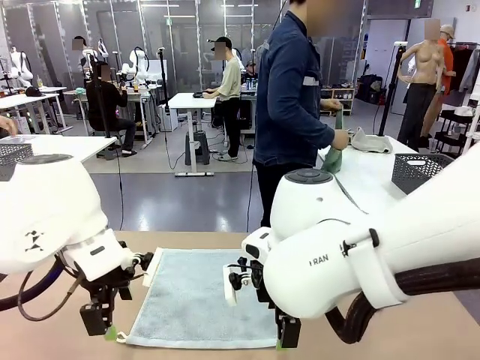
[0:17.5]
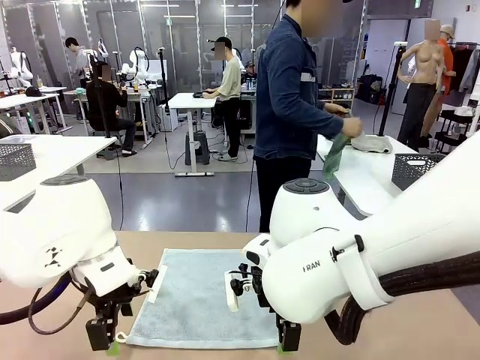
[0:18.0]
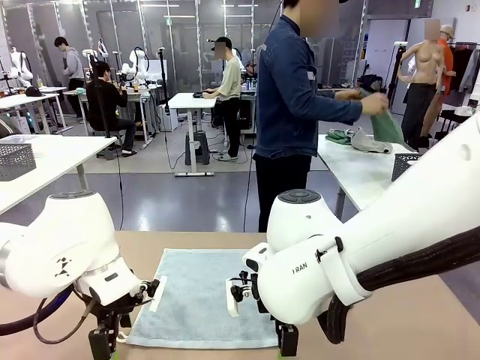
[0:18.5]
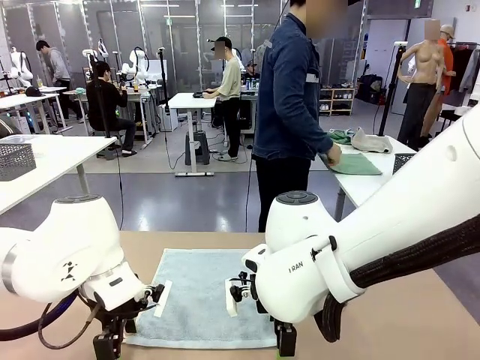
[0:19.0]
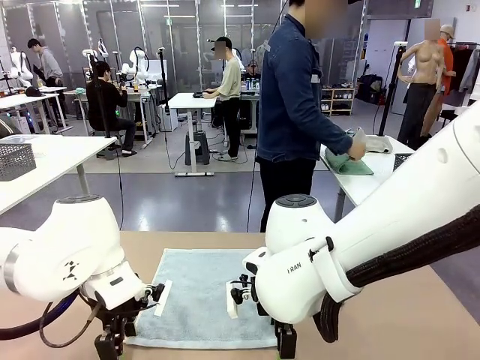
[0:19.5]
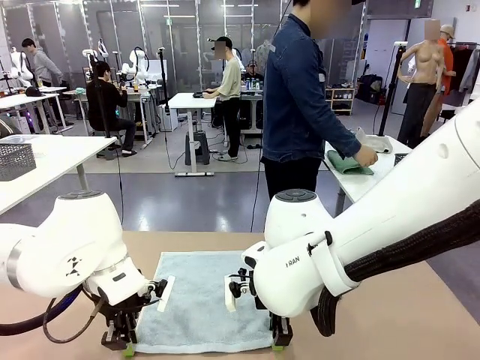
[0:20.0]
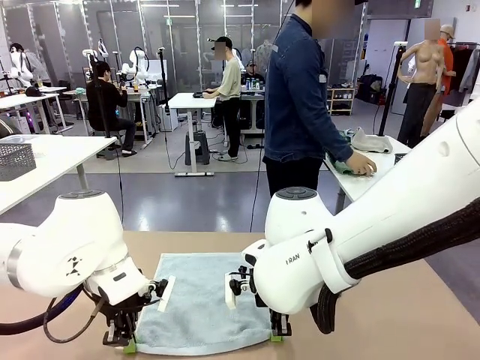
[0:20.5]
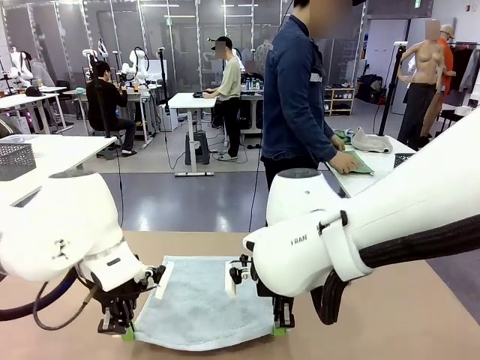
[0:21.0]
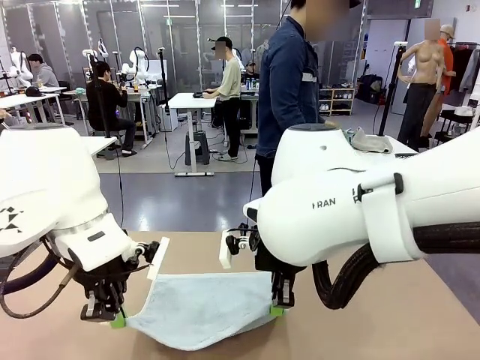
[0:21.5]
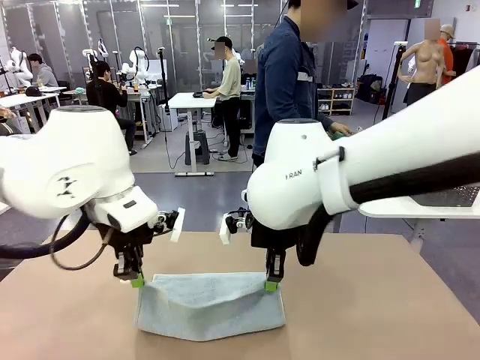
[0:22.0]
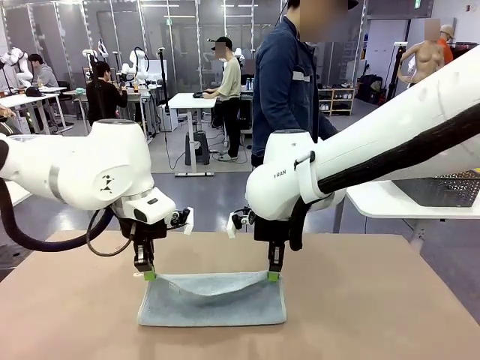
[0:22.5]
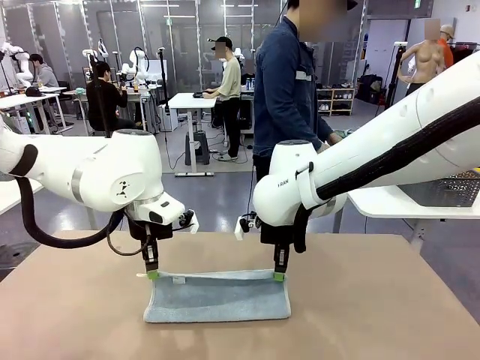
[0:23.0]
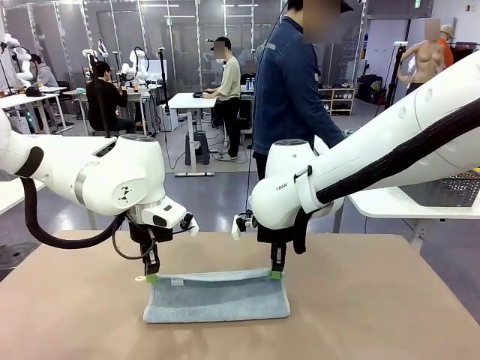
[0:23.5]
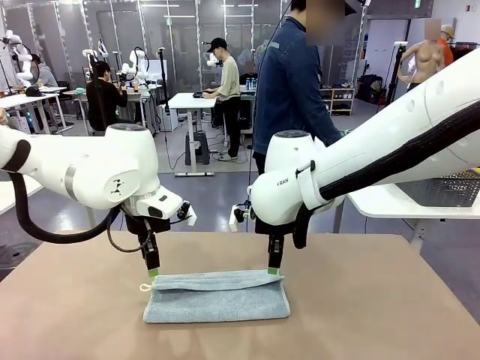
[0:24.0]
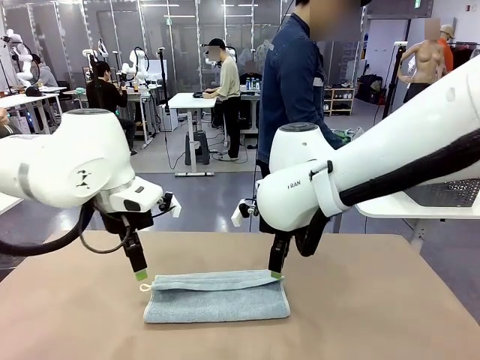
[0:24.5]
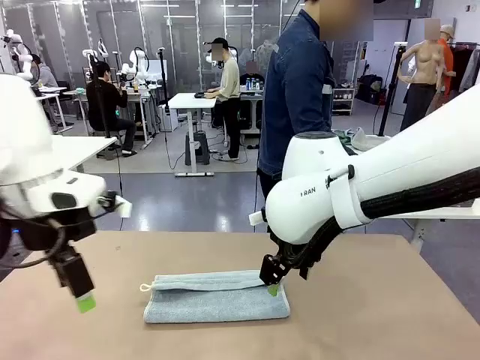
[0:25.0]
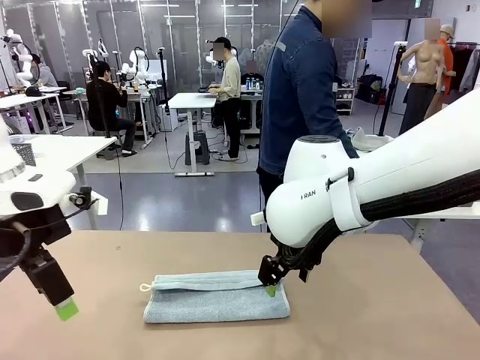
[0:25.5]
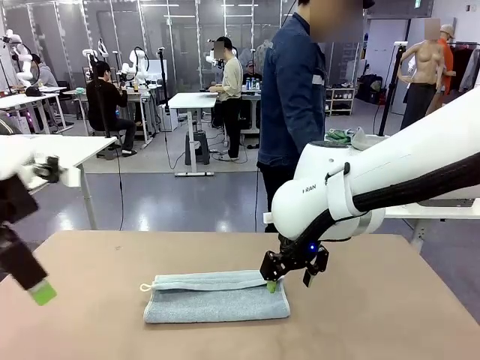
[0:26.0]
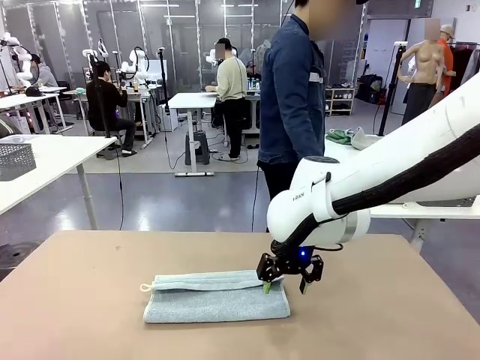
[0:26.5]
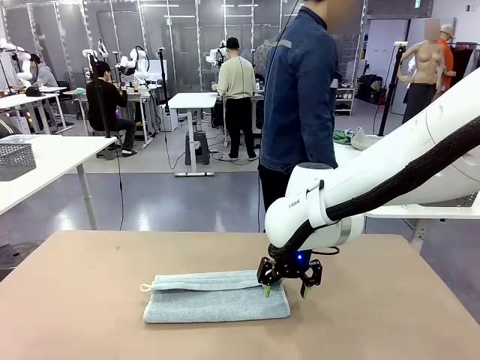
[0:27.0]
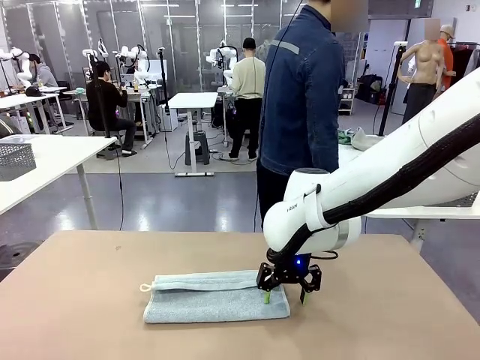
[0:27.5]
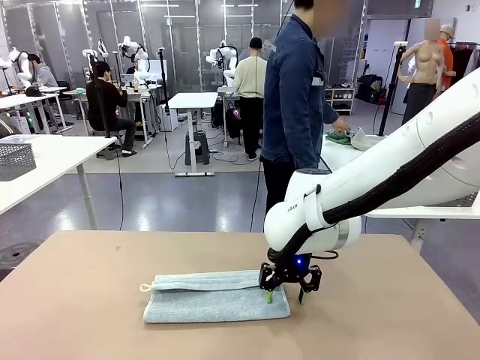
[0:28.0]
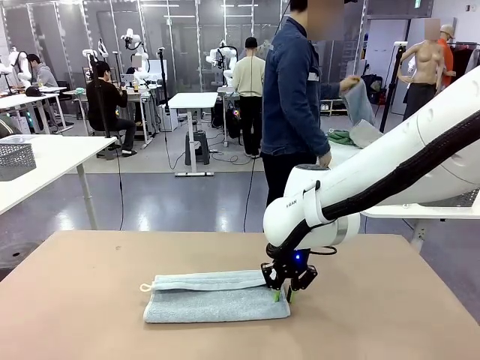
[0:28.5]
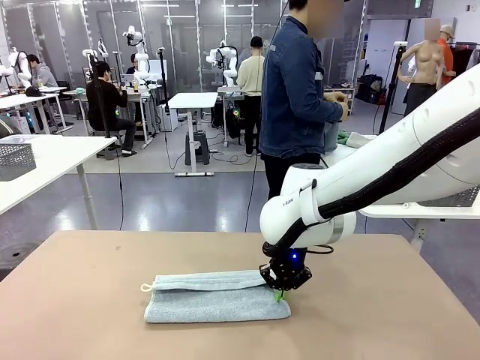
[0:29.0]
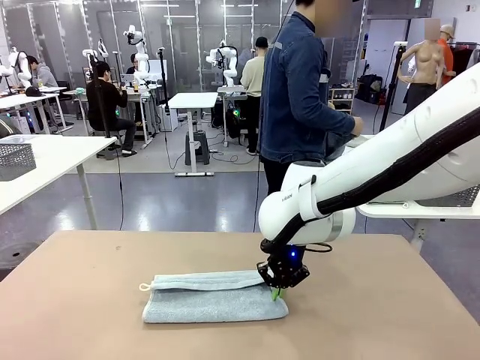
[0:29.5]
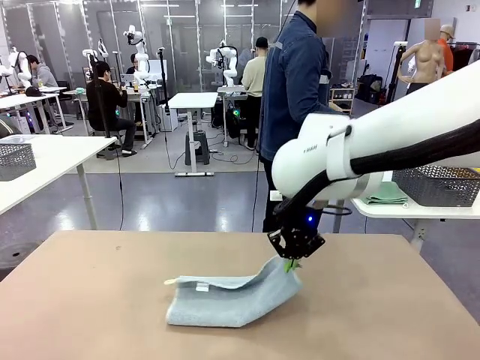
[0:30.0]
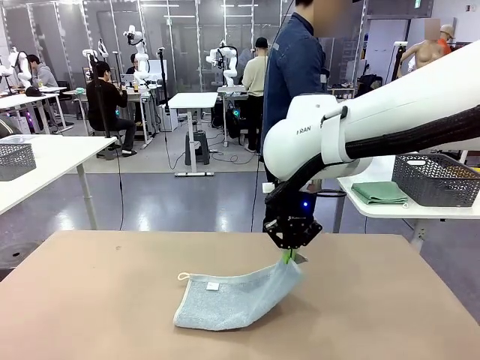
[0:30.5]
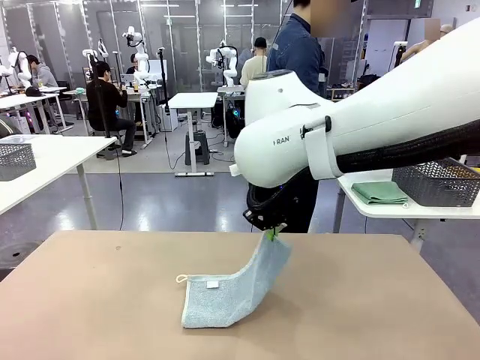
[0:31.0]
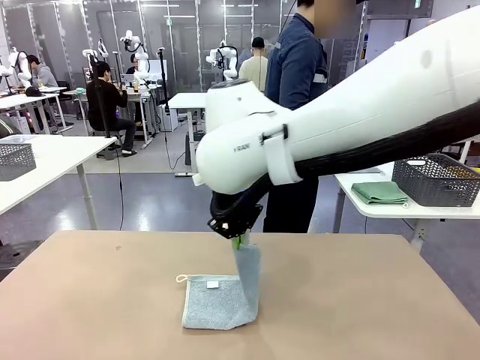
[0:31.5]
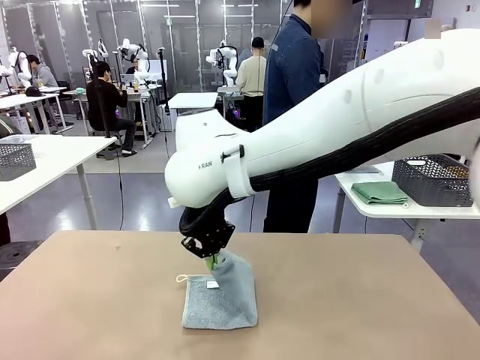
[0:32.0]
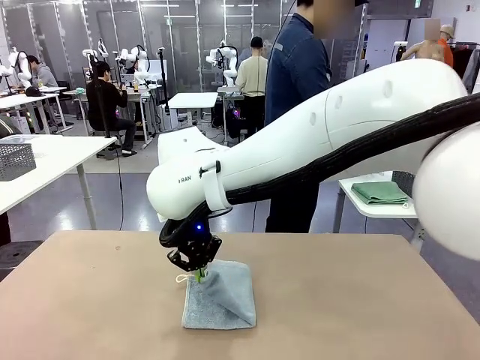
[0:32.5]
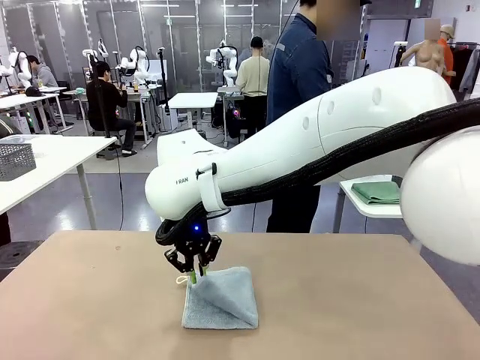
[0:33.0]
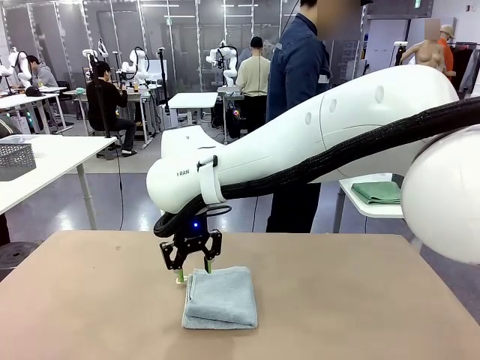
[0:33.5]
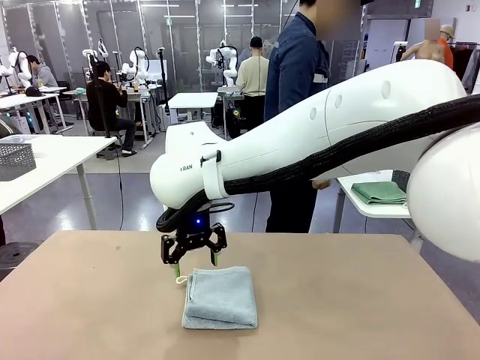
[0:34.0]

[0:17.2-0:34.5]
Task: Fold the towels and place them in the basket.
Robot: When a person lays out a Towel with hook on the table, fold it in half twice.
Person: Pick up one towel from the left side of the human table, fold it in half twice, and place it on the right side of the table. Pick up one towel from the left side of the human table, fold it in half twice, and stack it on the right side of the table.

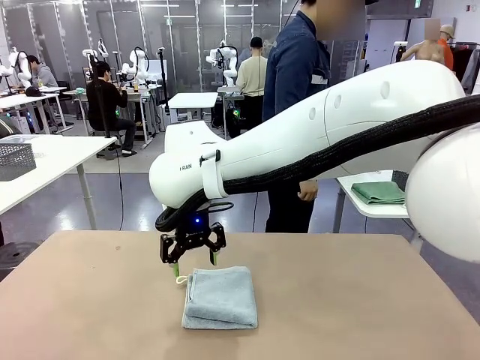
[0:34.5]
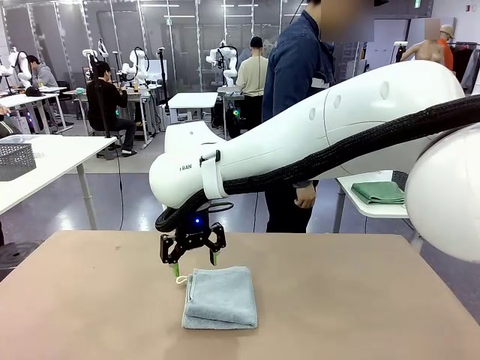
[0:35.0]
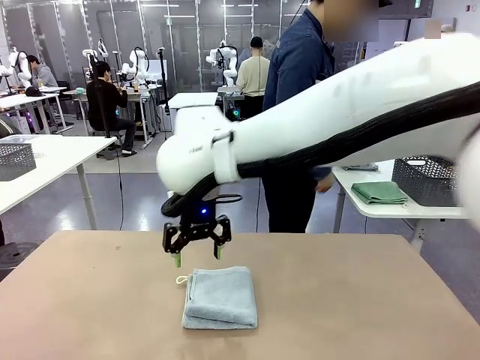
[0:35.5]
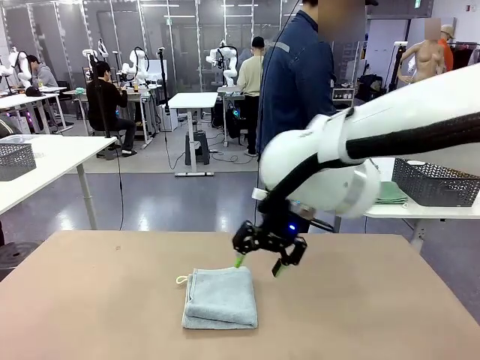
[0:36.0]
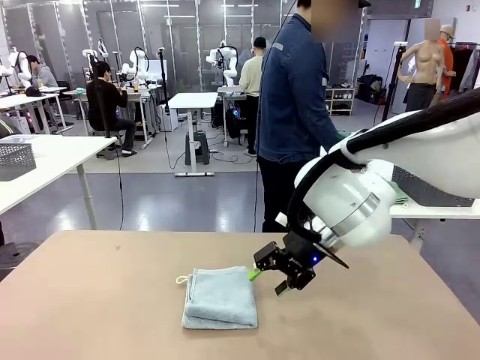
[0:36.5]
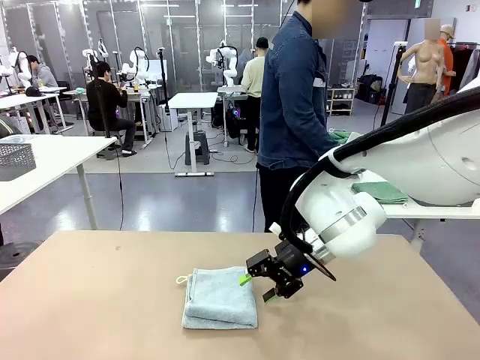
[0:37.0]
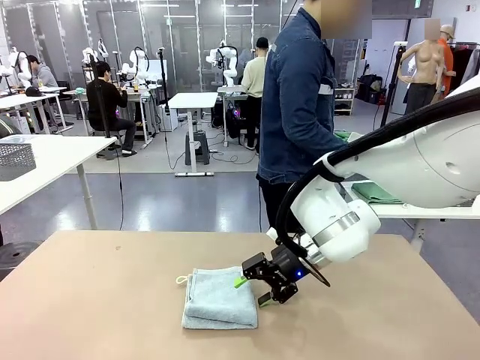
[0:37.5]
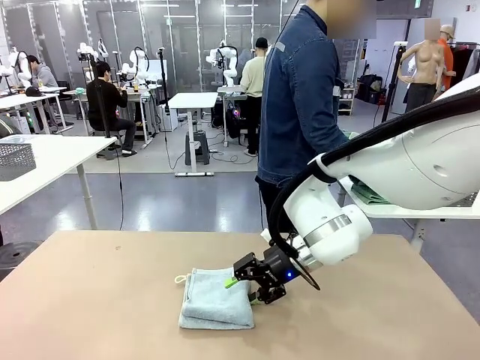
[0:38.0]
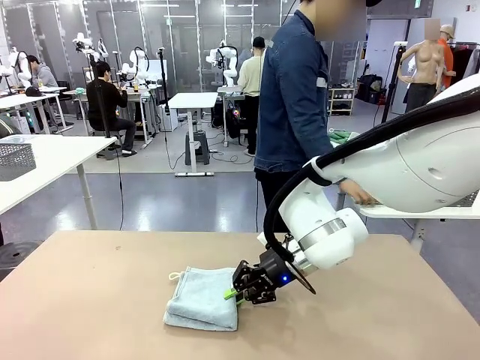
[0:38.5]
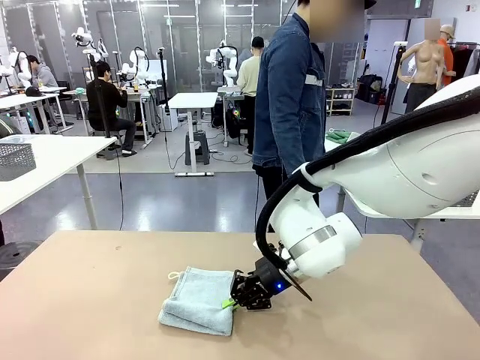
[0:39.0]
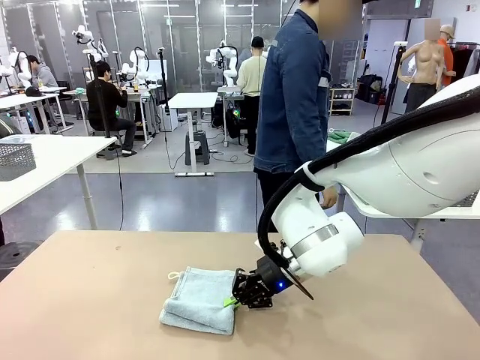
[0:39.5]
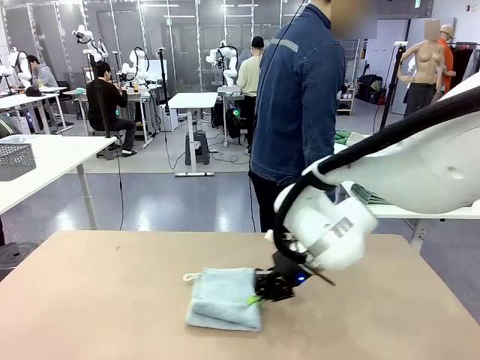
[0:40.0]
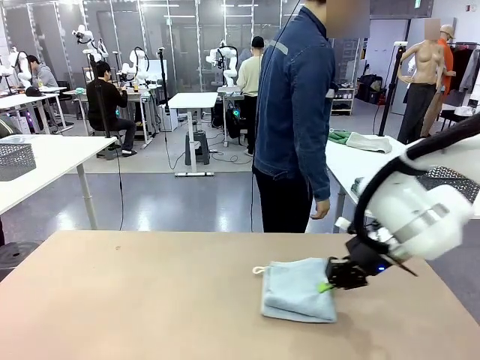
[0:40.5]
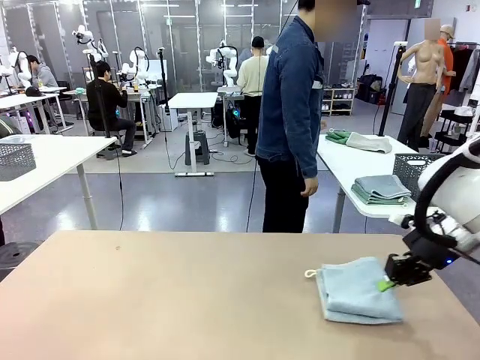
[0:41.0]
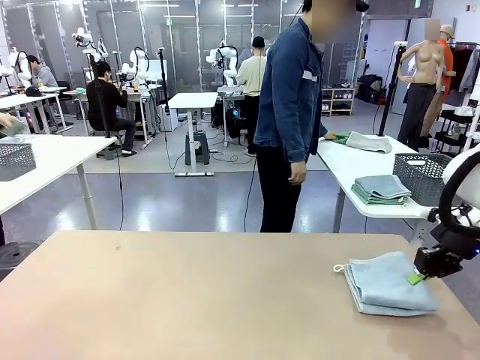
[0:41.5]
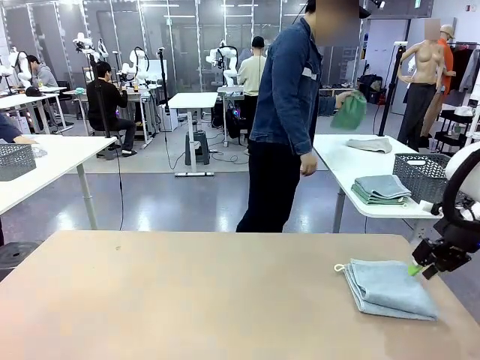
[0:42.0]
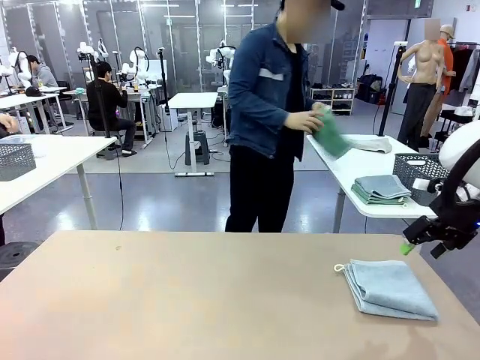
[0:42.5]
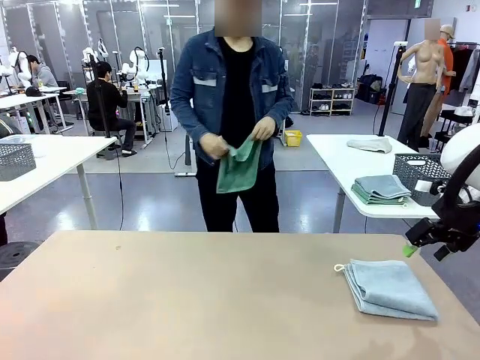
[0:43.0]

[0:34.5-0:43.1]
Robot: Place the folded Towel with hook on the right side of the table.
Person: Pick up one towel from the left side of the human table and spread it out at the center of the robot table.
